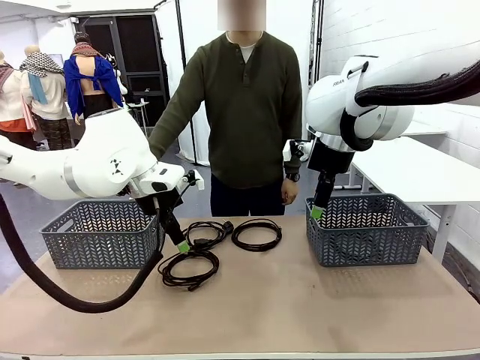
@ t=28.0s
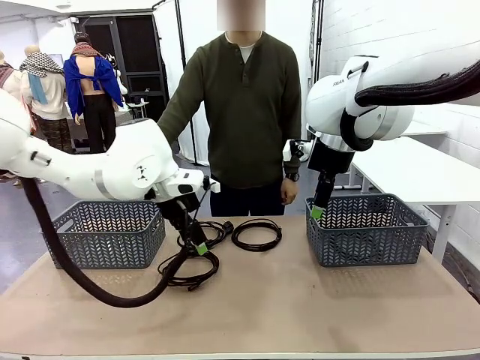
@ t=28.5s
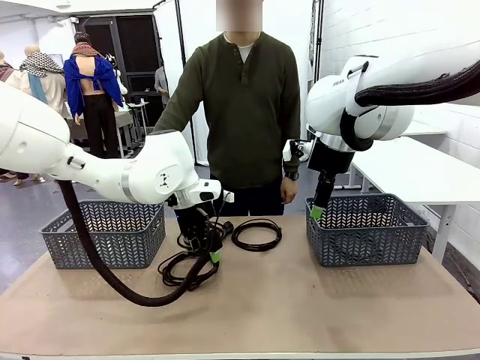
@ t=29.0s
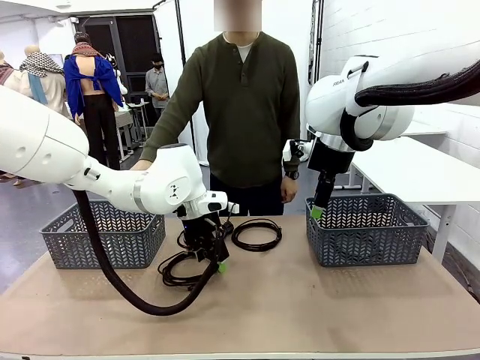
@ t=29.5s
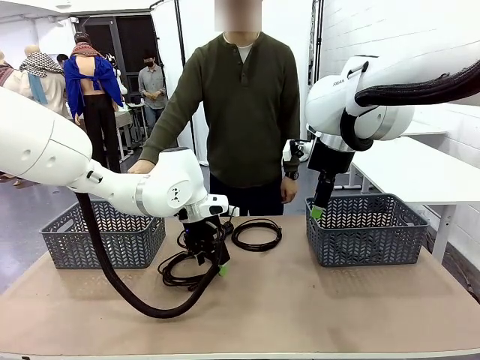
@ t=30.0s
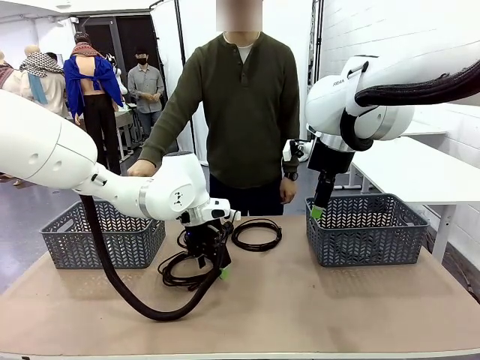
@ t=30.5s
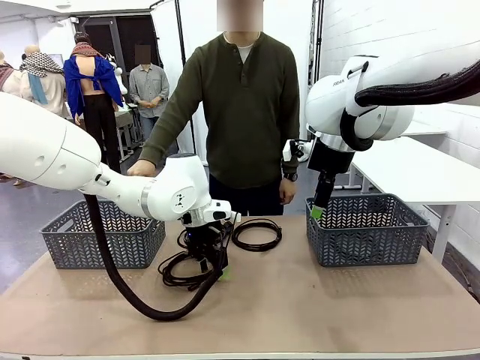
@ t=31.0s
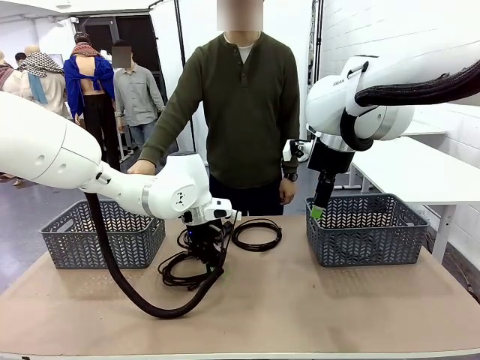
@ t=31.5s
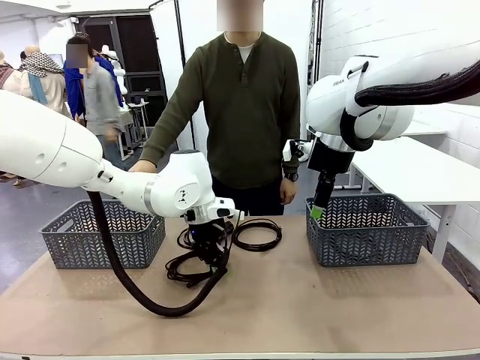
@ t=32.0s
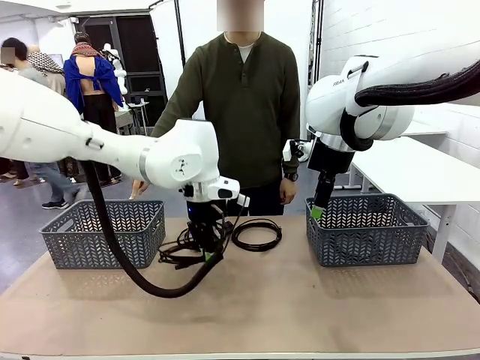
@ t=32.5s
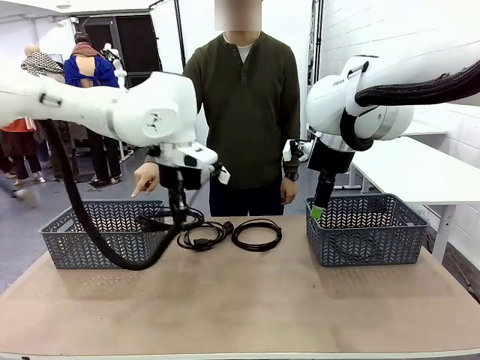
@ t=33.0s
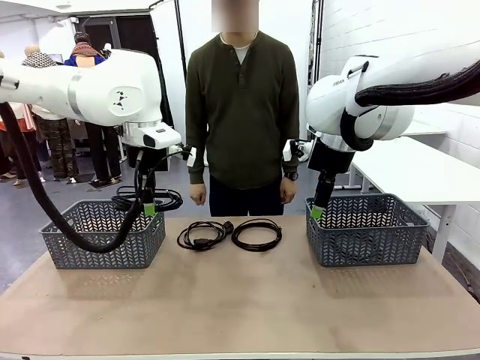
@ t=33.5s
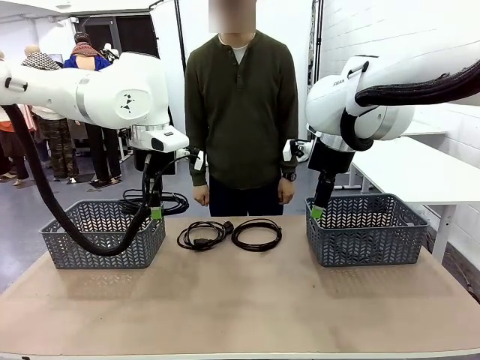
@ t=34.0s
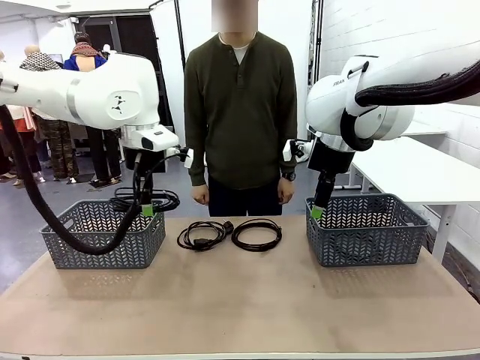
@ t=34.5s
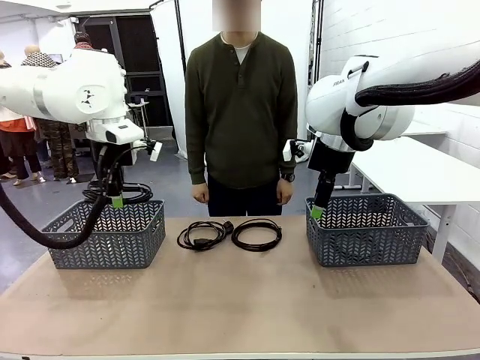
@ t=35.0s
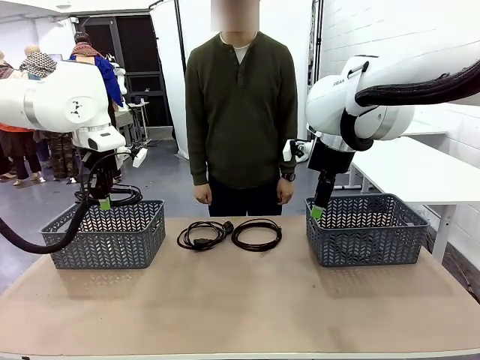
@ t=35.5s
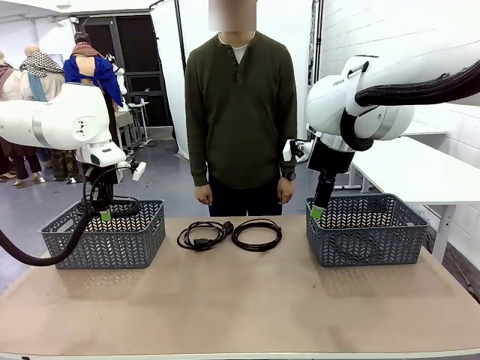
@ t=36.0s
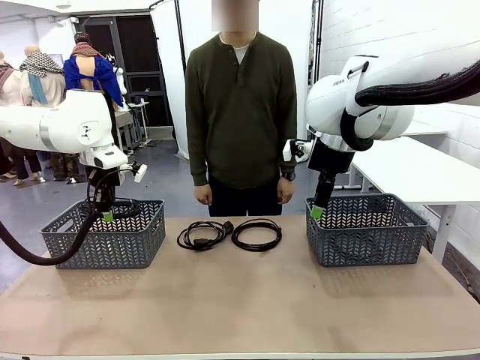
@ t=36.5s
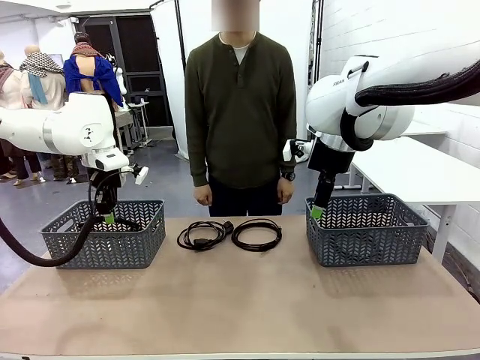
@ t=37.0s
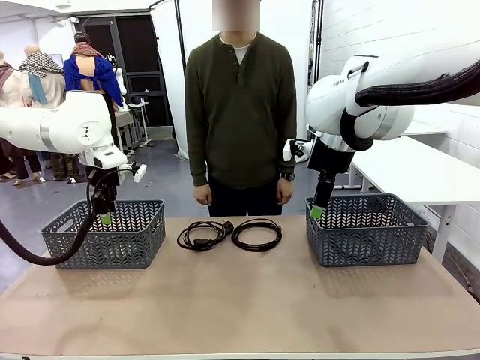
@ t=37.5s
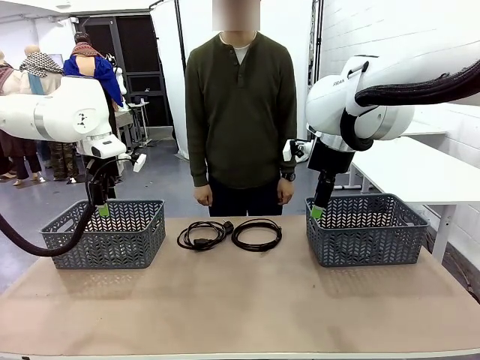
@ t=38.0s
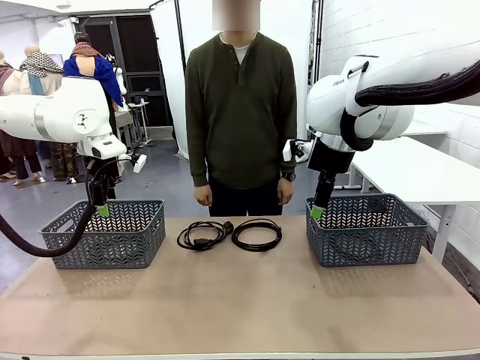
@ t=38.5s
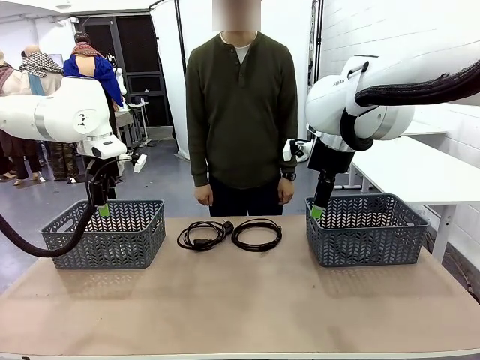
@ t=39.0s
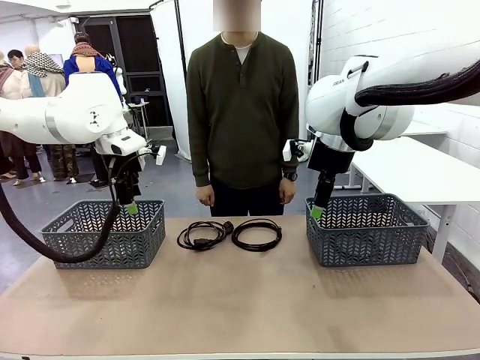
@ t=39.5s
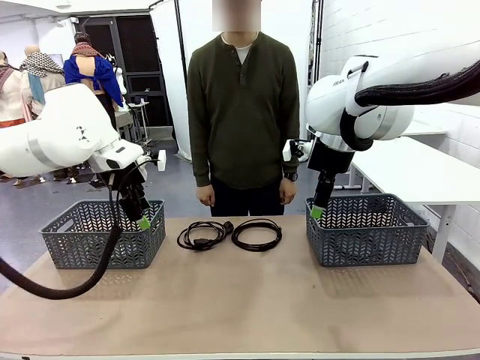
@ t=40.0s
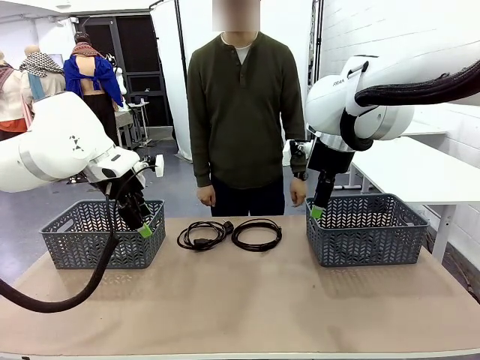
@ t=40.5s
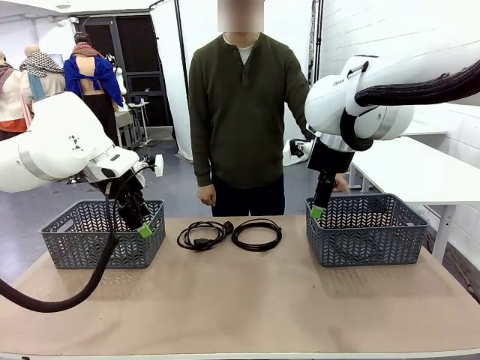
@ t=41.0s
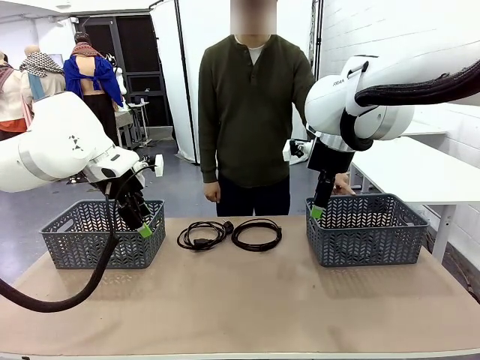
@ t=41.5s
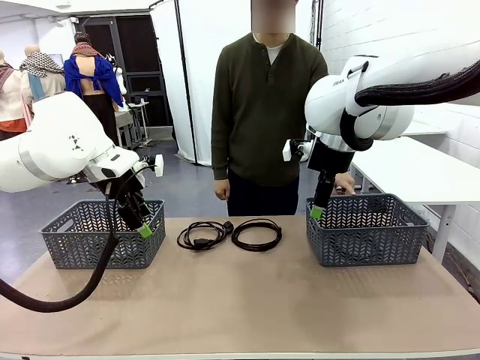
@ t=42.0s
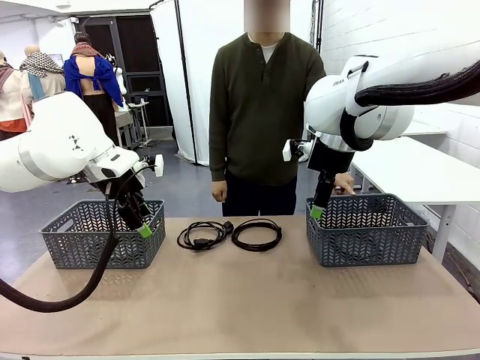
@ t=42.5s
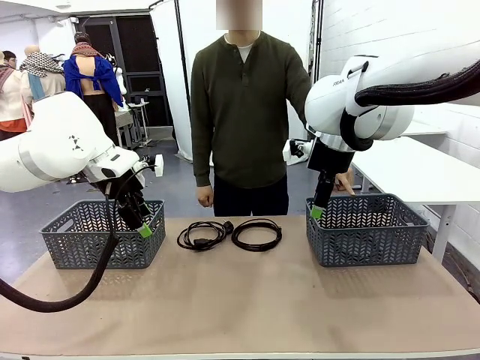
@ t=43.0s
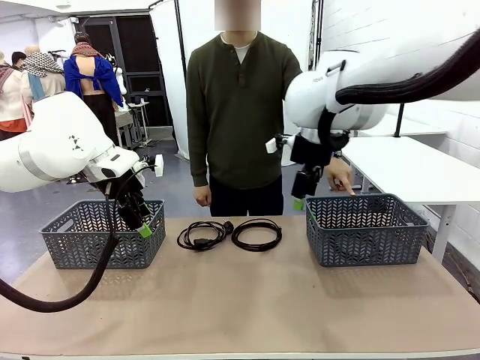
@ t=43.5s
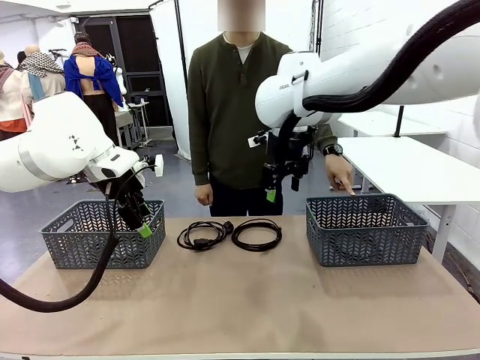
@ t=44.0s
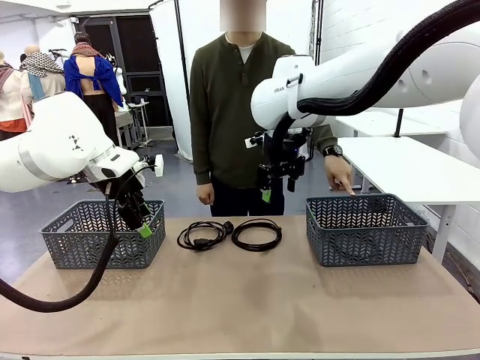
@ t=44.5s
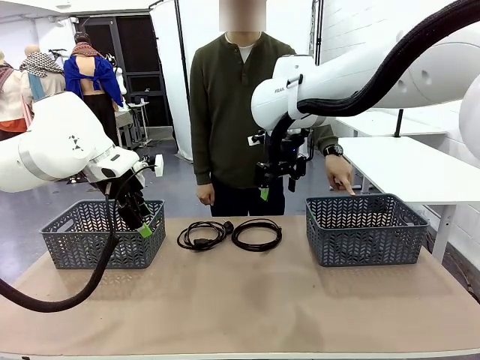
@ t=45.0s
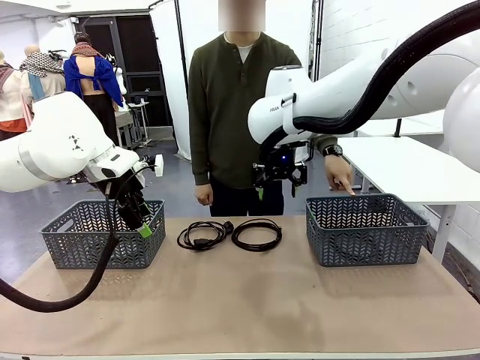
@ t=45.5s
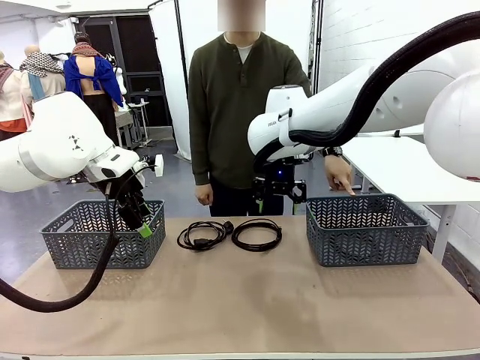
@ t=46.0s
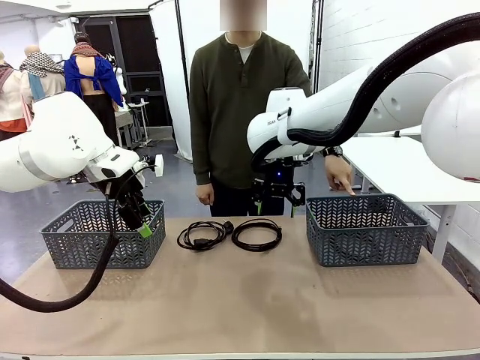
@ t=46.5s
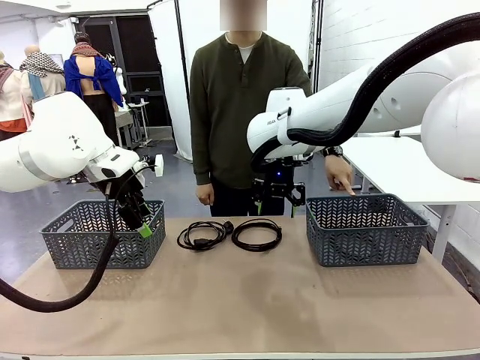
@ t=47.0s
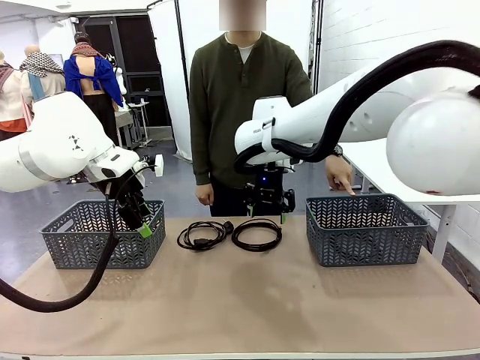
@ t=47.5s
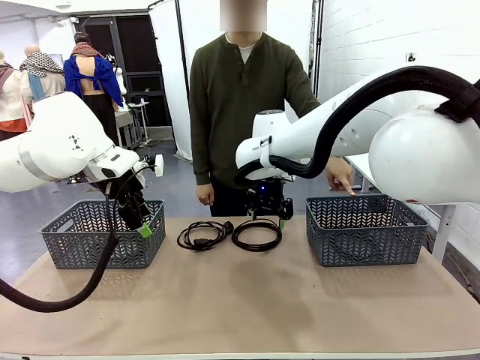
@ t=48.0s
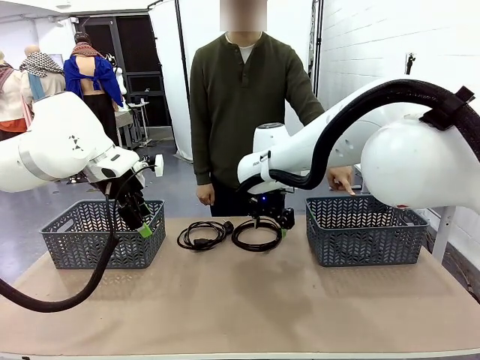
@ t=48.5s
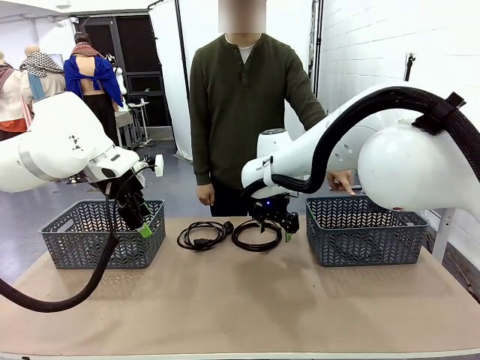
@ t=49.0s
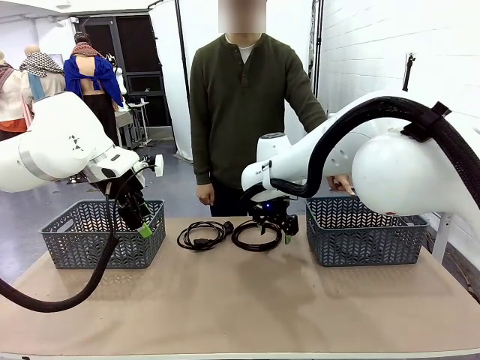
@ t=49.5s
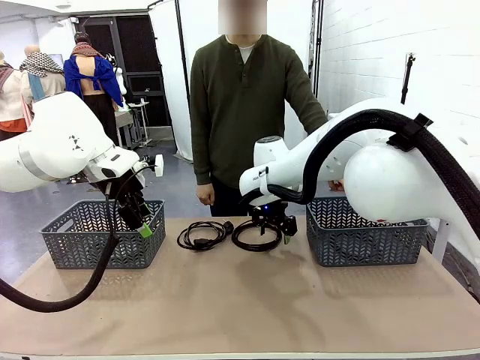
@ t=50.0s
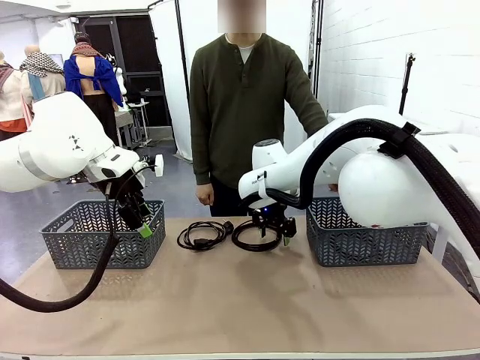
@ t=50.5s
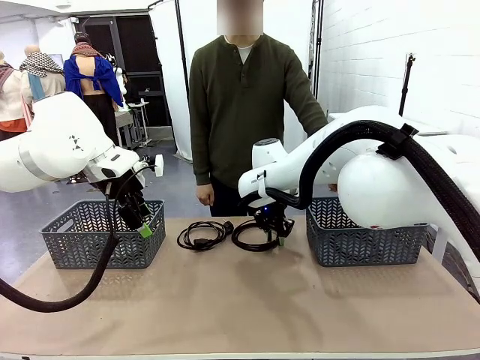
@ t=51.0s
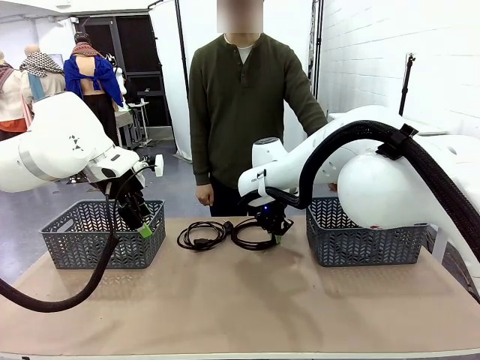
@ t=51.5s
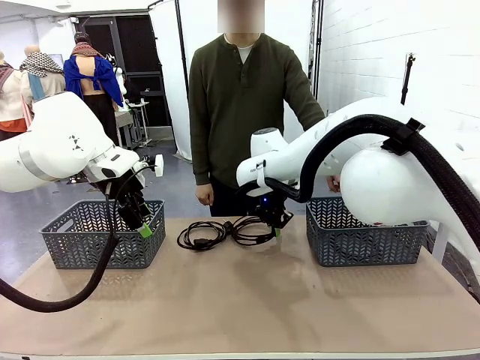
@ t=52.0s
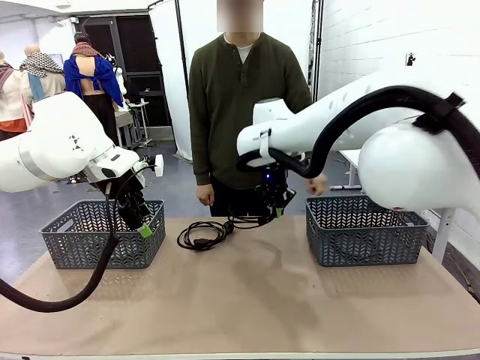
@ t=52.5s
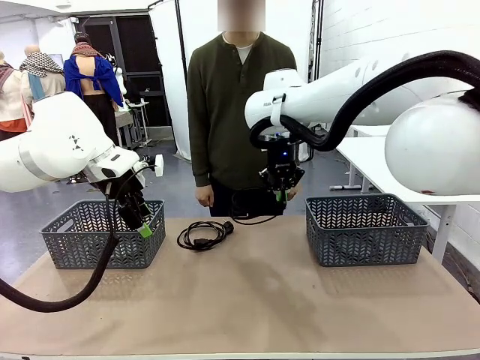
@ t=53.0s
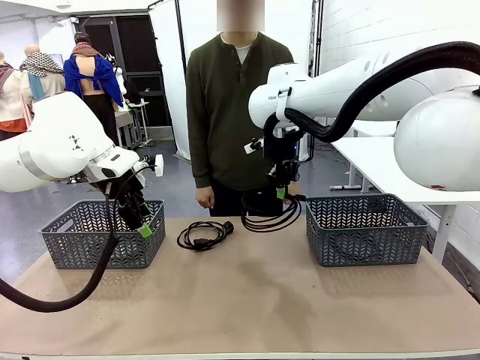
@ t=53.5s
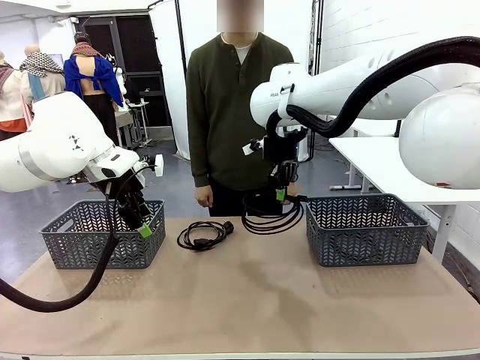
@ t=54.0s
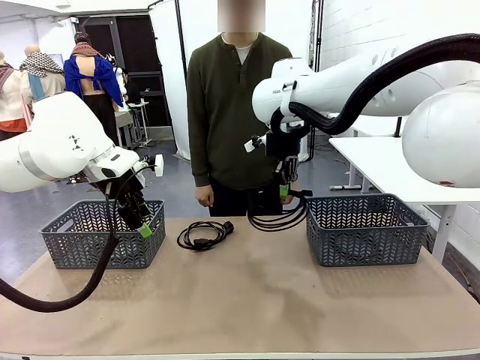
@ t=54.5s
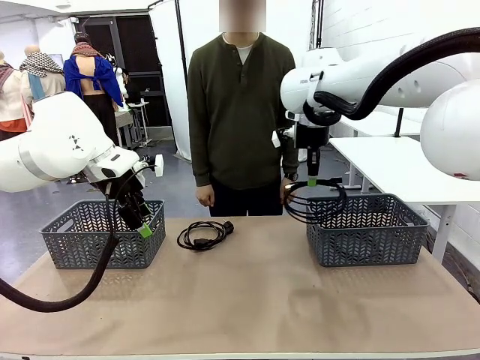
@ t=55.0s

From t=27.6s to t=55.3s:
Task: Organize the cables according to human instructions.
Robot: Pick up a bundle of cables and place it in the basket indicated by the human.
